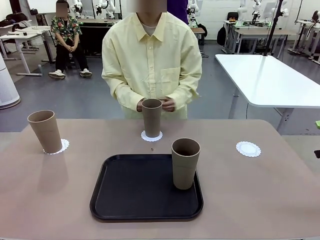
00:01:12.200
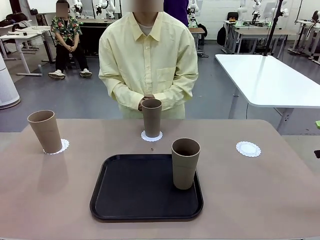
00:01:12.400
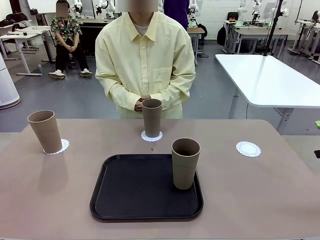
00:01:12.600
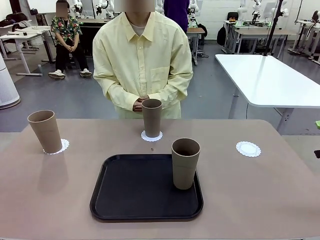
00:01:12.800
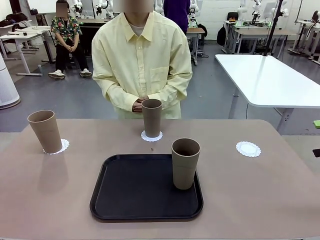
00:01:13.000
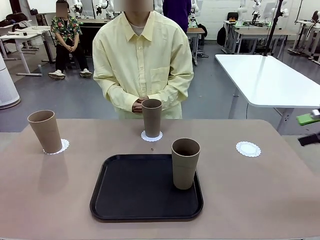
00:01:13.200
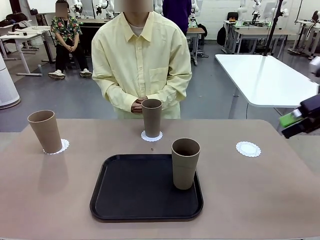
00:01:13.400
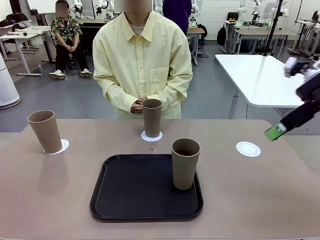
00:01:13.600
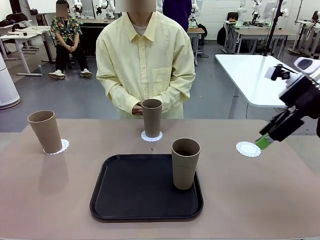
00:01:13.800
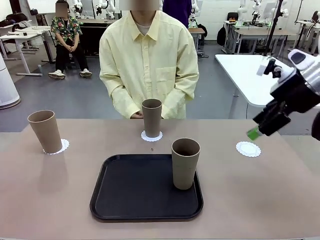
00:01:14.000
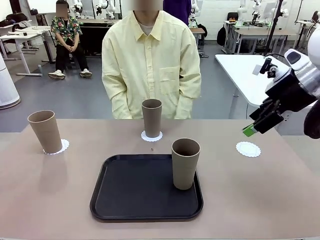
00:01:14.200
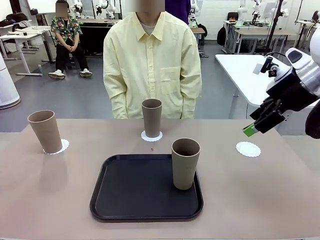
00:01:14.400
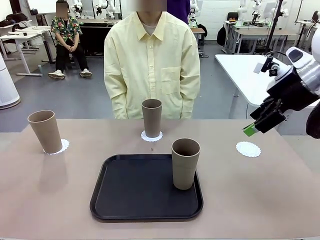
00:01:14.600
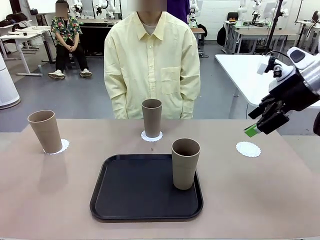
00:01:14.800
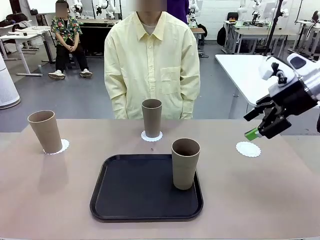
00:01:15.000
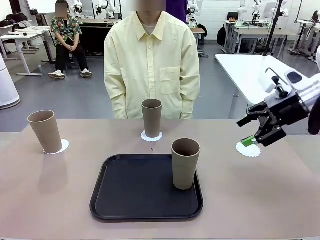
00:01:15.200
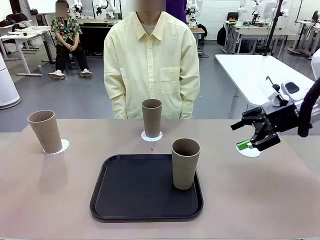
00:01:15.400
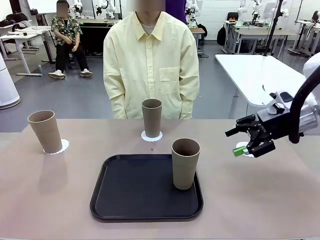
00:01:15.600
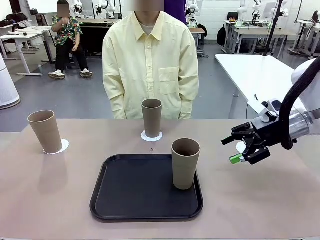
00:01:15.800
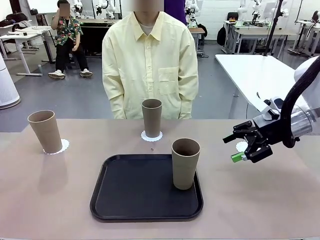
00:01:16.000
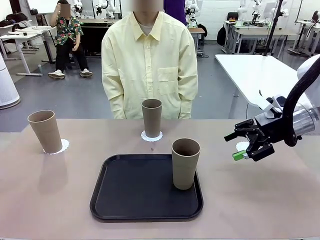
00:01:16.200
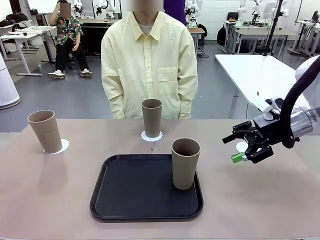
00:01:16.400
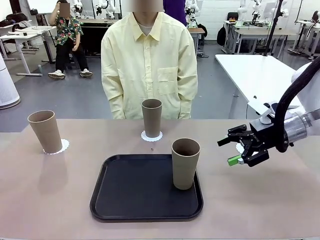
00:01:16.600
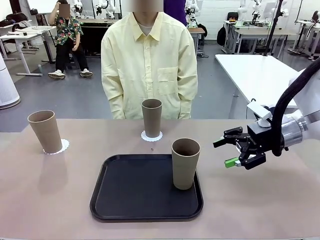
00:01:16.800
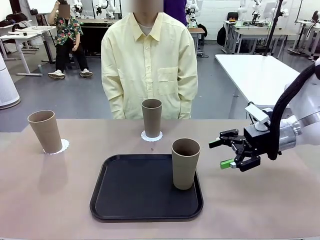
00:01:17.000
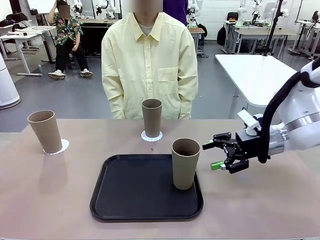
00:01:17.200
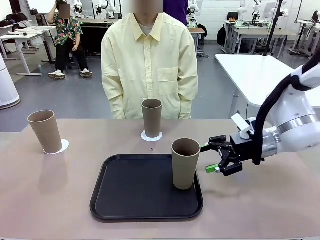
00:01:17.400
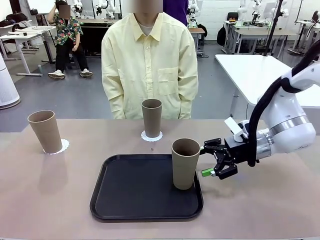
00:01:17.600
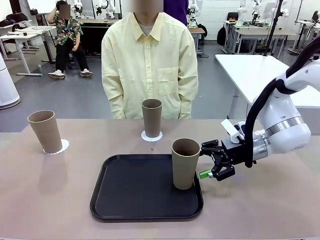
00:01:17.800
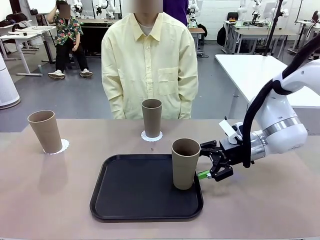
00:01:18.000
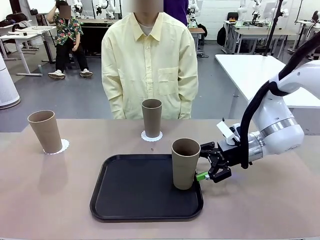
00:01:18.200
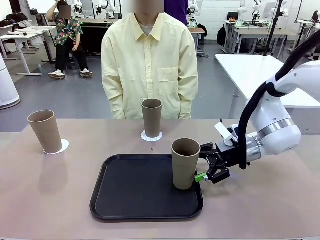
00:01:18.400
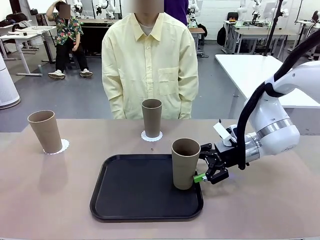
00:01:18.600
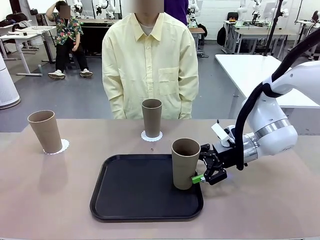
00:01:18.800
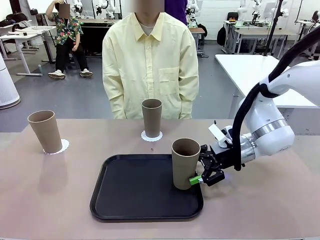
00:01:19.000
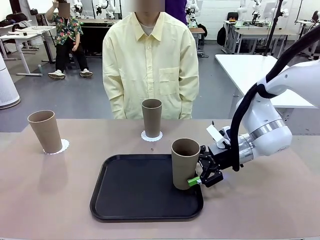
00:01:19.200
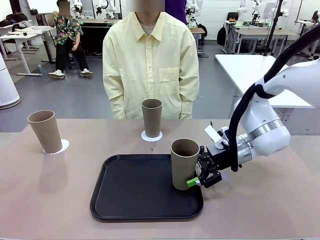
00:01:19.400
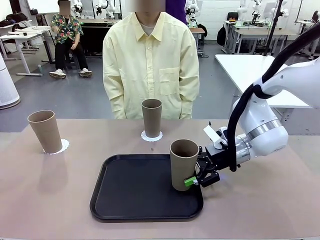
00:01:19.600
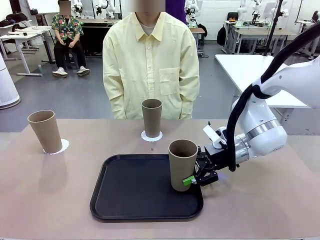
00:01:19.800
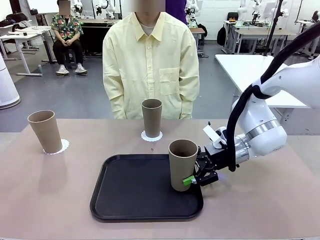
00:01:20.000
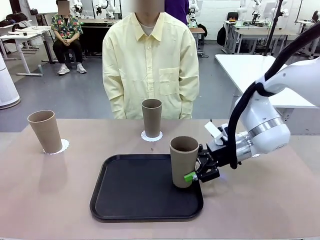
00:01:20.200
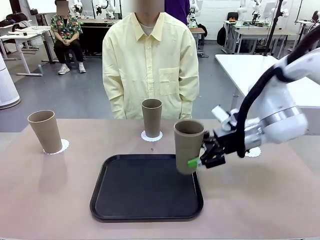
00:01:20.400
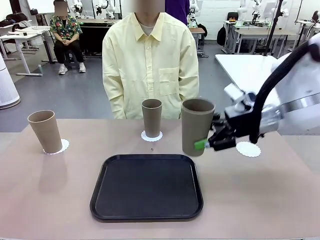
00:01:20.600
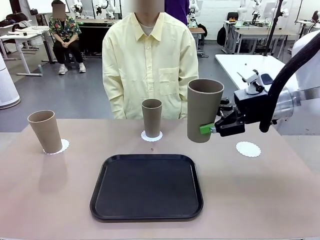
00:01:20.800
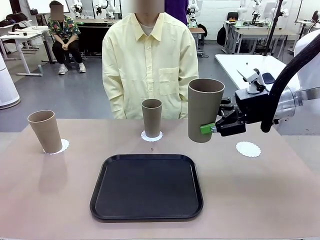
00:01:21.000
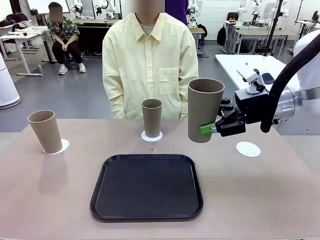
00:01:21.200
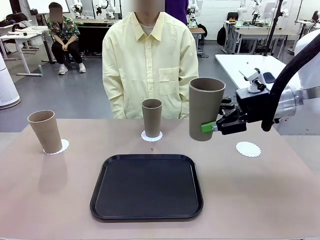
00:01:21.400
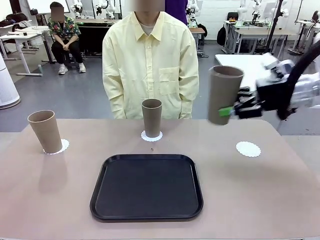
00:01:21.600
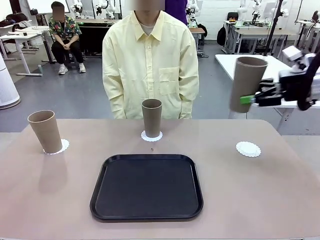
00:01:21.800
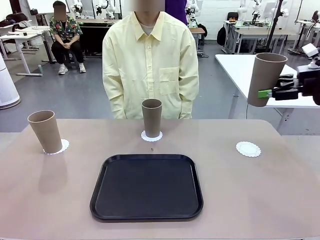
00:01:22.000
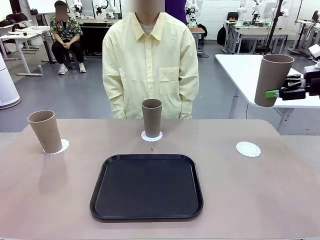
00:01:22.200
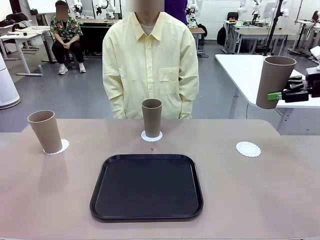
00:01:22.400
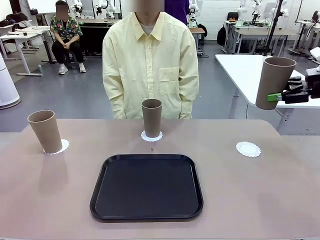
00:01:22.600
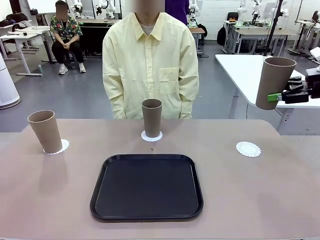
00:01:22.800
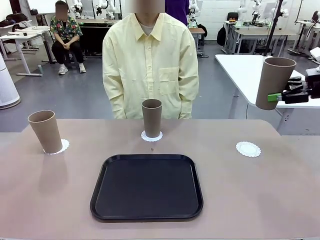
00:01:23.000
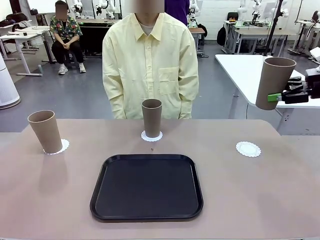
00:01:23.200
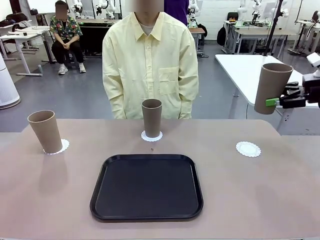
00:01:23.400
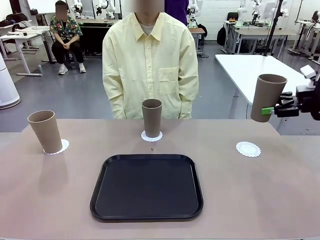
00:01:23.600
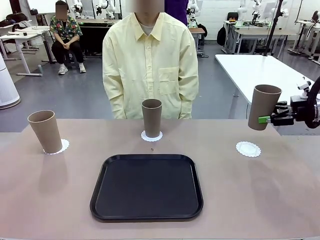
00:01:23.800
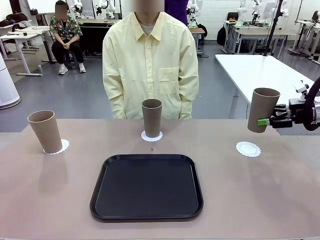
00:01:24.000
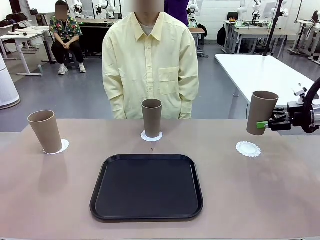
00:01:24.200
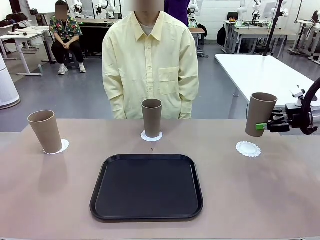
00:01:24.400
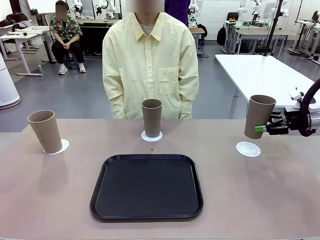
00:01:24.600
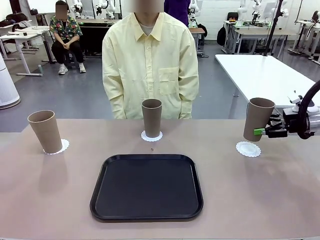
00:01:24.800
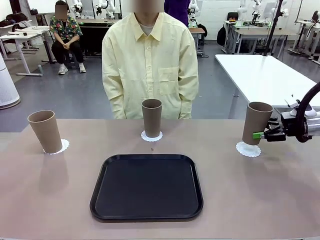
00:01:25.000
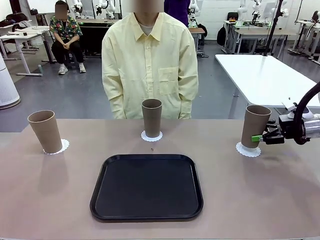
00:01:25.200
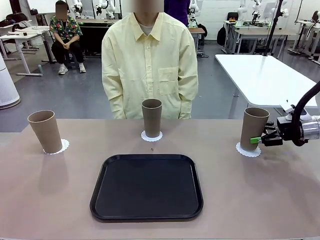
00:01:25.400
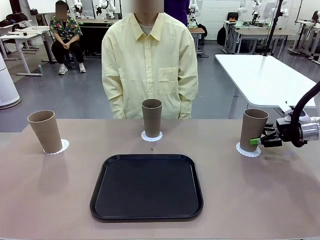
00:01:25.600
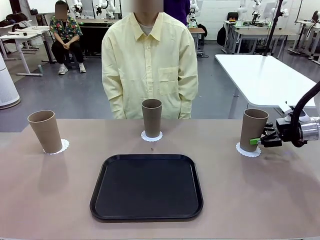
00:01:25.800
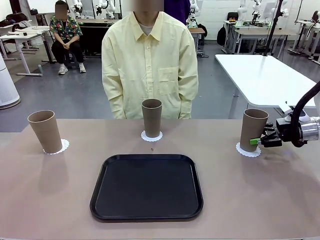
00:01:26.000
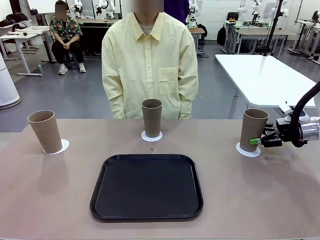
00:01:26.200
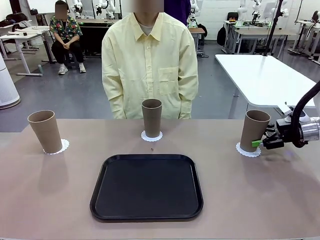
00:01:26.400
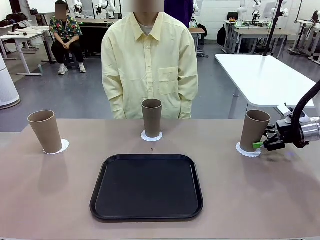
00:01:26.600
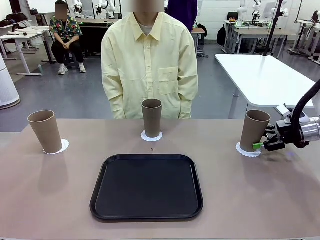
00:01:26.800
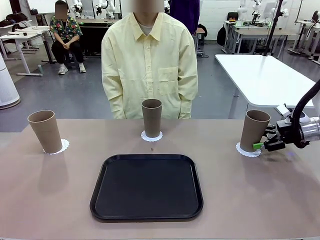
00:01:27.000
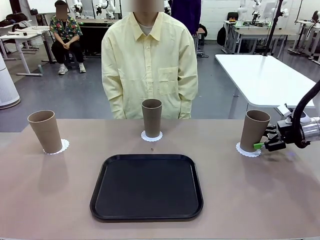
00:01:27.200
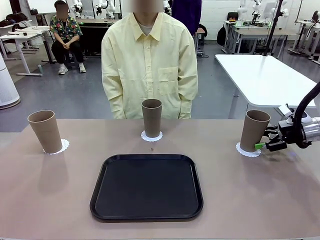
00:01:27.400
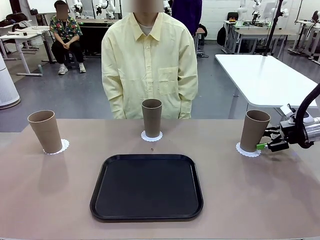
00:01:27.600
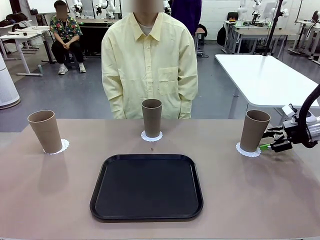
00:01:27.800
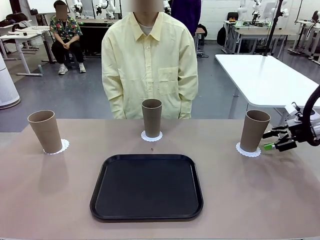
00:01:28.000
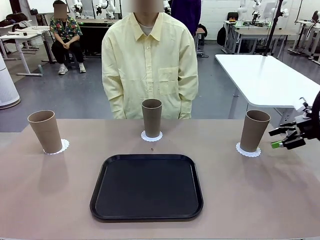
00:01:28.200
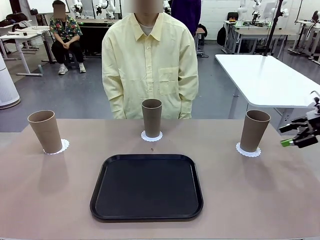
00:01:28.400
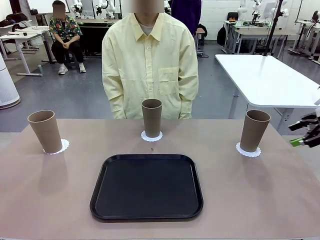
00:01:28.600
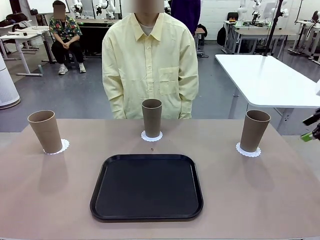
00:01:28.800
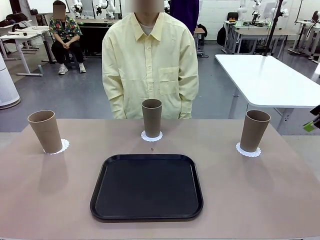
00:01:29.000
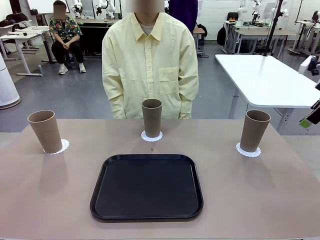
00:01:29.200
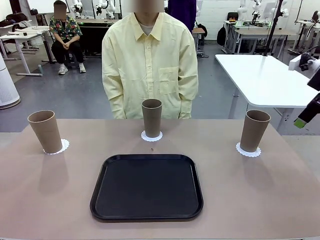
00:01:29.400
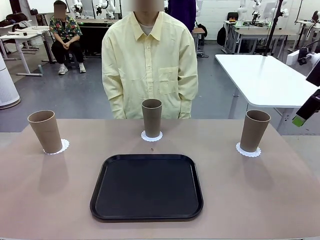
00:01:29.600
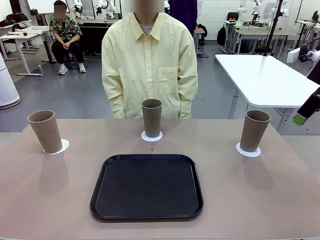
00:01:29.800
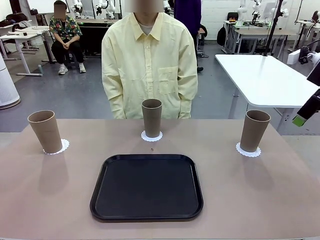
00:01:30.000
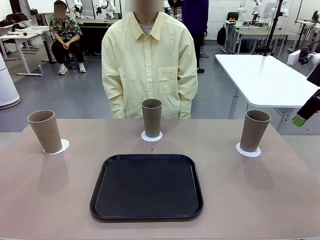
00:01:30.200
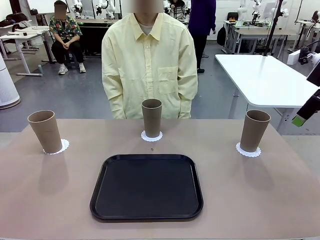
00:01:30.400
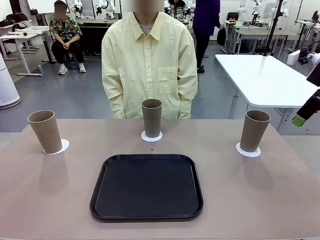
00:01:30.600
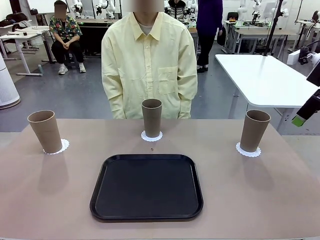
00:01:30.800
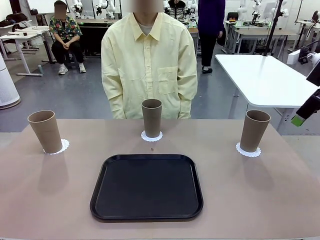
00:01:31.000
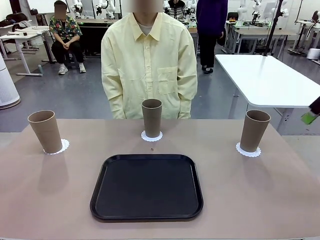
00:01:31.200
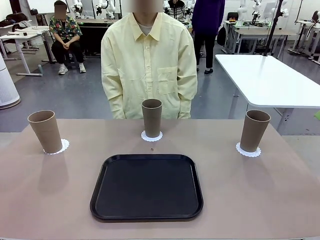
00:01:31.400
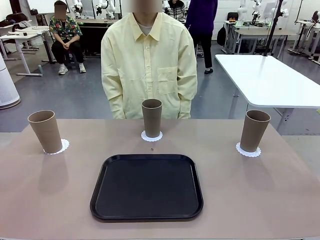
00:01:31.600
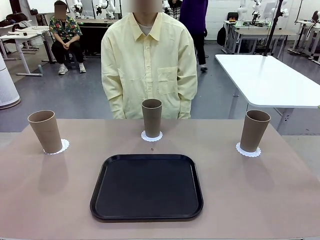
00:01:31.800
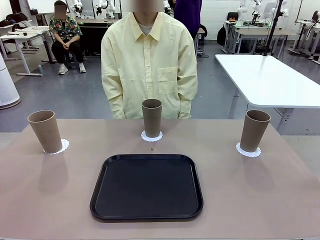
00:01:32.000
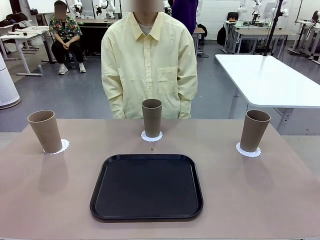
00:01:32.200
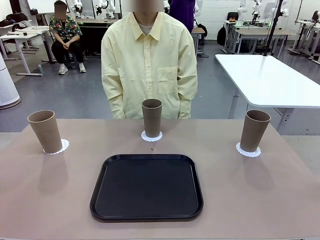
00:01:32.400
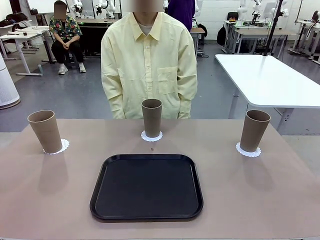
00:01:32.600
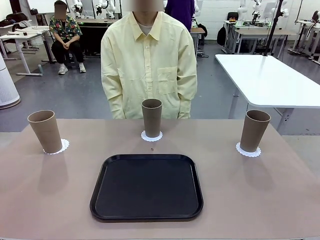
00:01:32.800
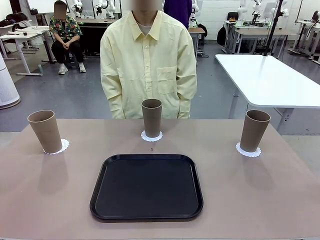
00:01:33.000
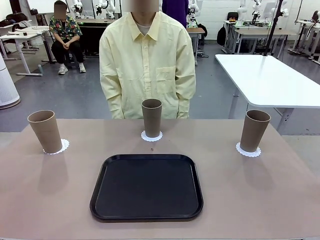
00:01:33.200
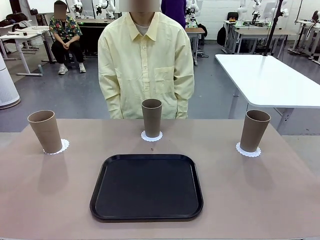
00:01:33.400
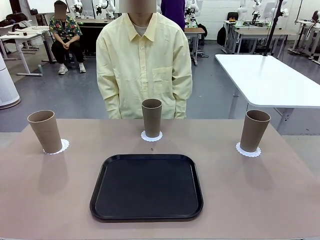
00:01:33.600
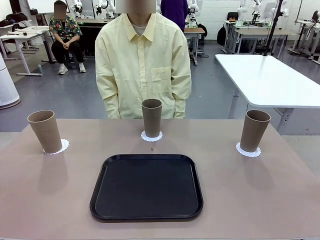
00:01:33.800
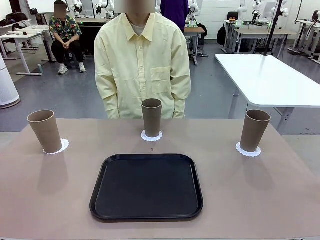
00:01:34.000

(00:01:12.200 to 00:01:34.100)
Task: Place coasters on the table and set cups on them.
Robot: Take one Reusable plastic cup from the Flat Tray and place it on a coaster set by the human.
